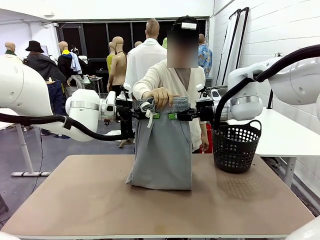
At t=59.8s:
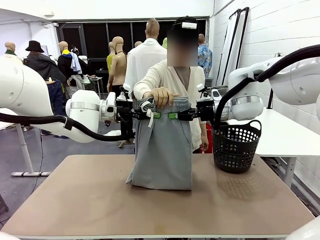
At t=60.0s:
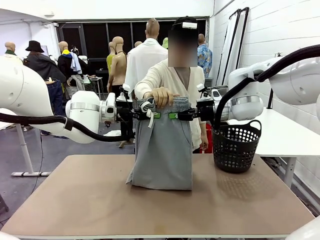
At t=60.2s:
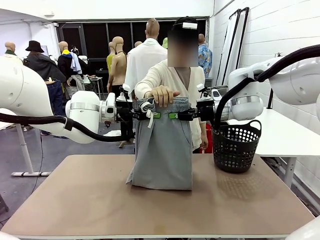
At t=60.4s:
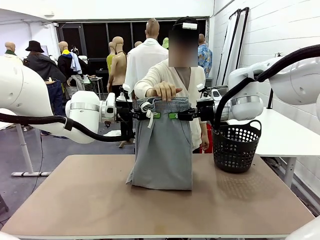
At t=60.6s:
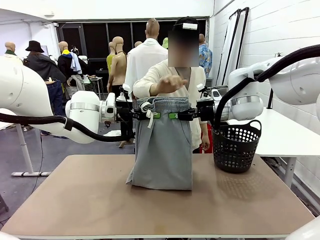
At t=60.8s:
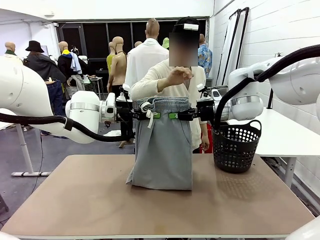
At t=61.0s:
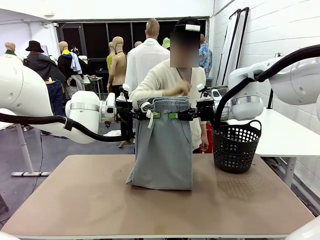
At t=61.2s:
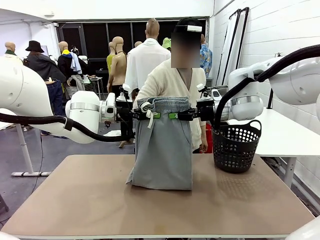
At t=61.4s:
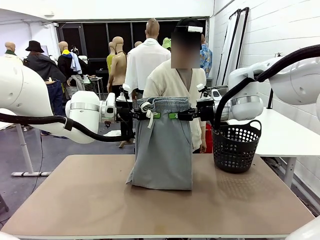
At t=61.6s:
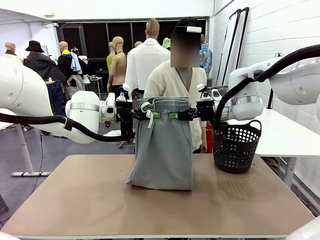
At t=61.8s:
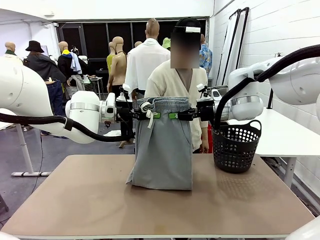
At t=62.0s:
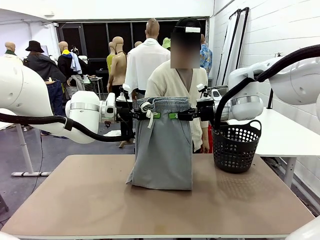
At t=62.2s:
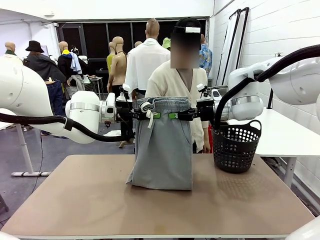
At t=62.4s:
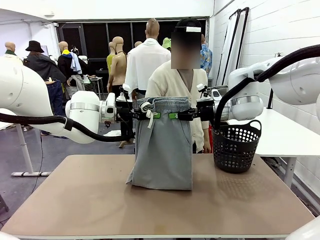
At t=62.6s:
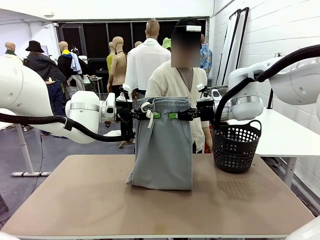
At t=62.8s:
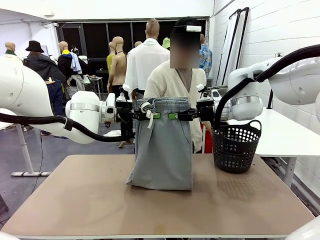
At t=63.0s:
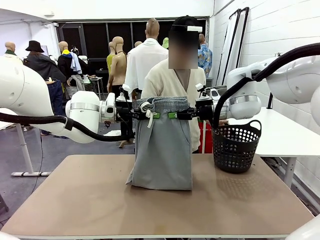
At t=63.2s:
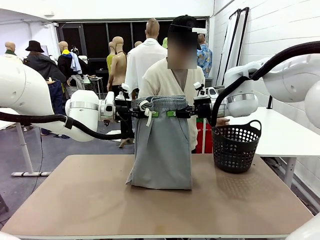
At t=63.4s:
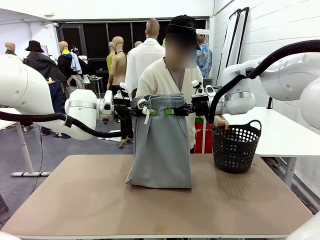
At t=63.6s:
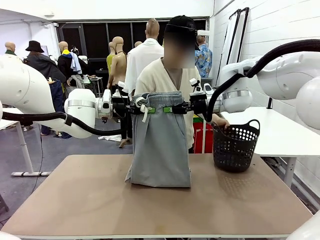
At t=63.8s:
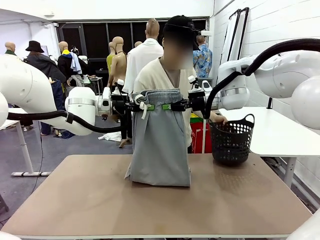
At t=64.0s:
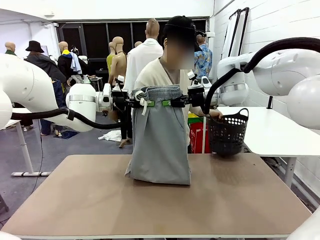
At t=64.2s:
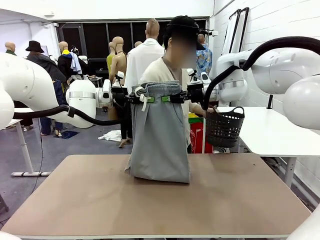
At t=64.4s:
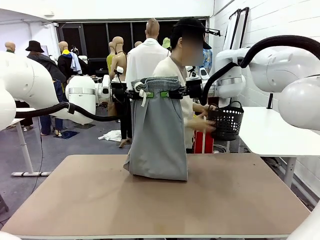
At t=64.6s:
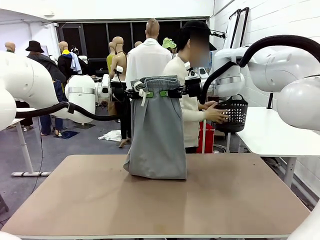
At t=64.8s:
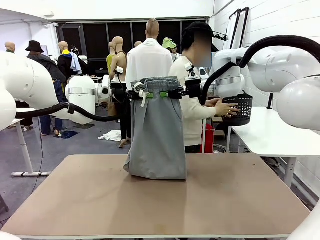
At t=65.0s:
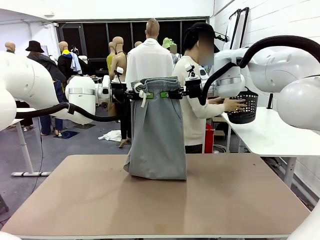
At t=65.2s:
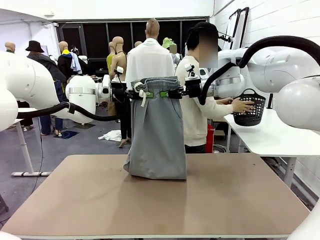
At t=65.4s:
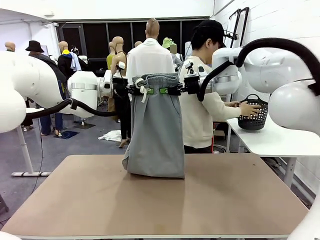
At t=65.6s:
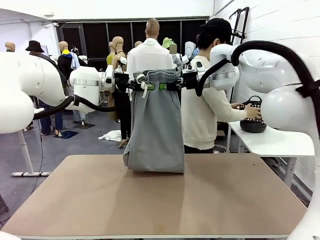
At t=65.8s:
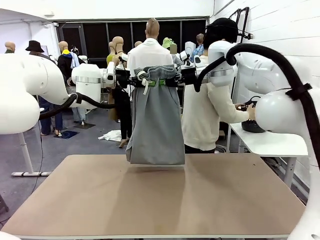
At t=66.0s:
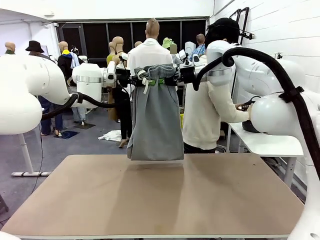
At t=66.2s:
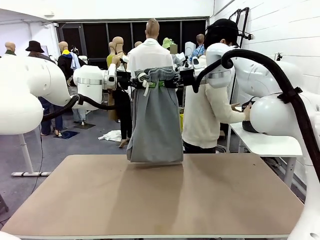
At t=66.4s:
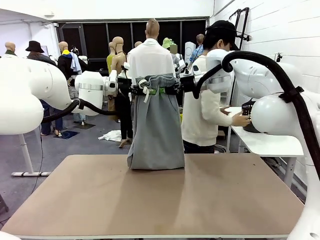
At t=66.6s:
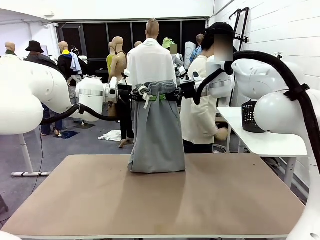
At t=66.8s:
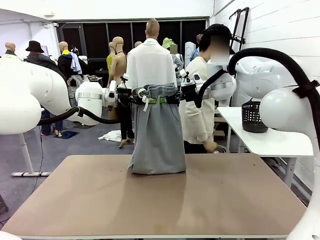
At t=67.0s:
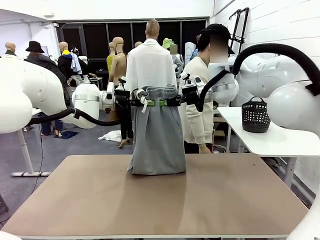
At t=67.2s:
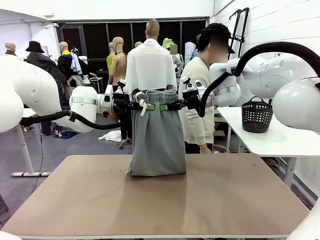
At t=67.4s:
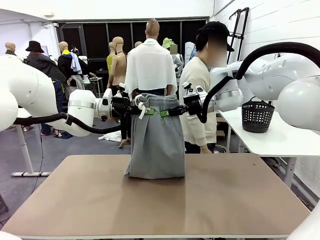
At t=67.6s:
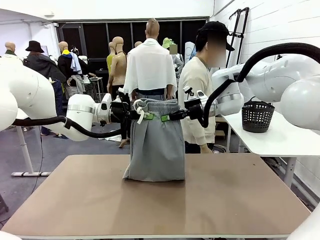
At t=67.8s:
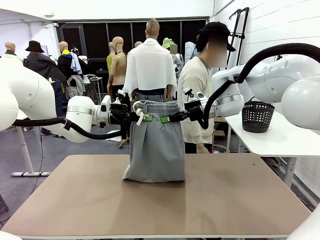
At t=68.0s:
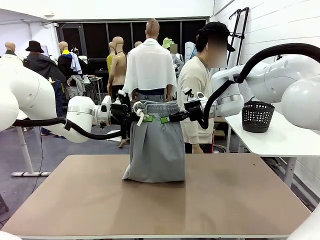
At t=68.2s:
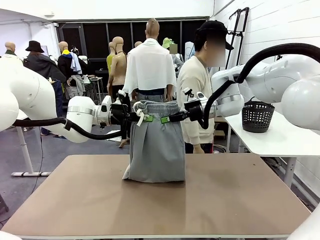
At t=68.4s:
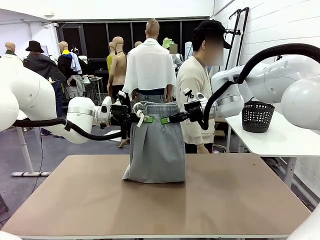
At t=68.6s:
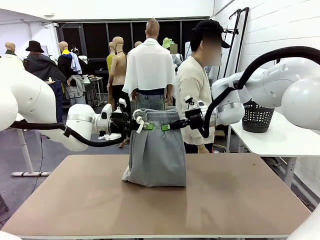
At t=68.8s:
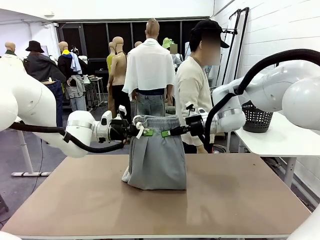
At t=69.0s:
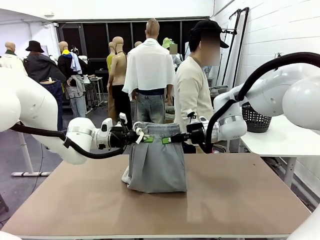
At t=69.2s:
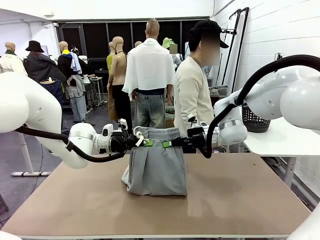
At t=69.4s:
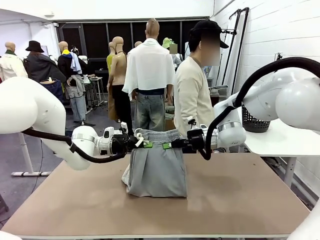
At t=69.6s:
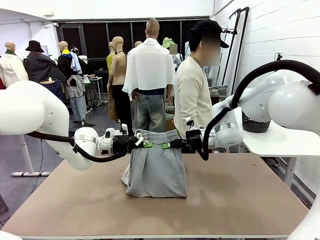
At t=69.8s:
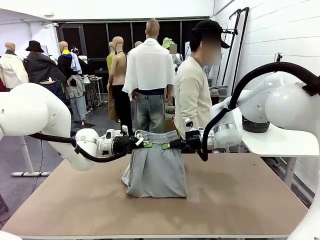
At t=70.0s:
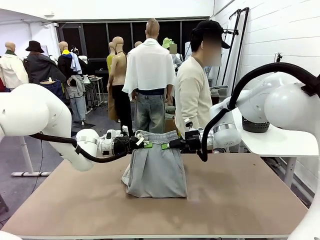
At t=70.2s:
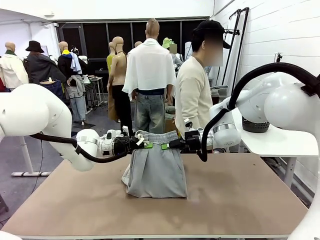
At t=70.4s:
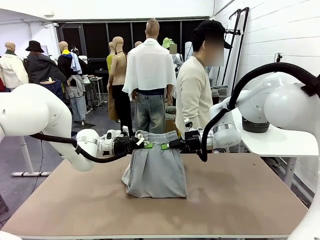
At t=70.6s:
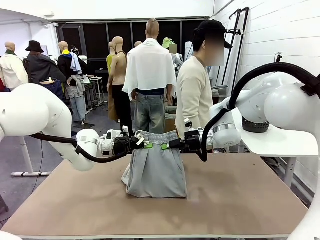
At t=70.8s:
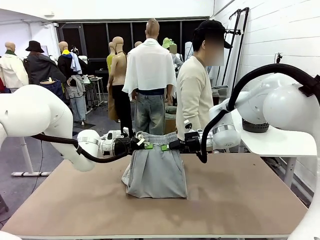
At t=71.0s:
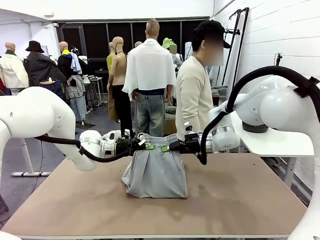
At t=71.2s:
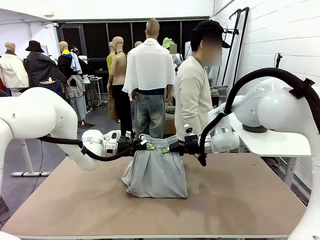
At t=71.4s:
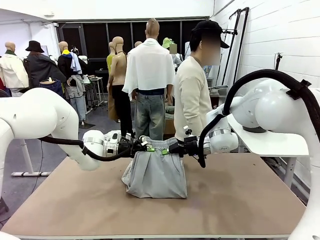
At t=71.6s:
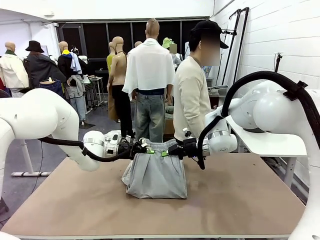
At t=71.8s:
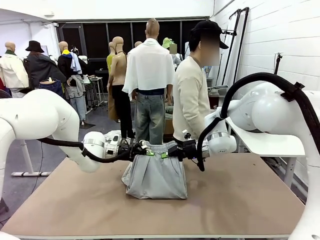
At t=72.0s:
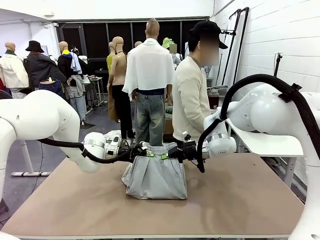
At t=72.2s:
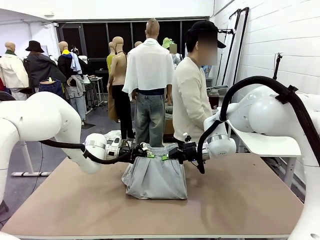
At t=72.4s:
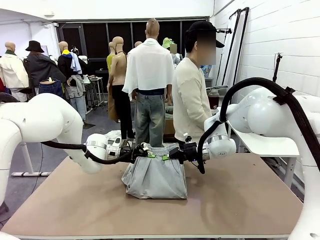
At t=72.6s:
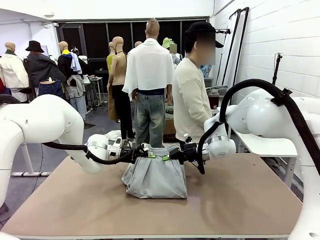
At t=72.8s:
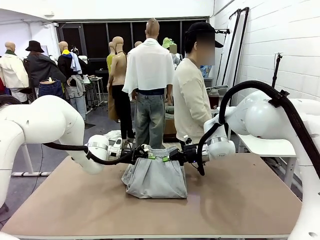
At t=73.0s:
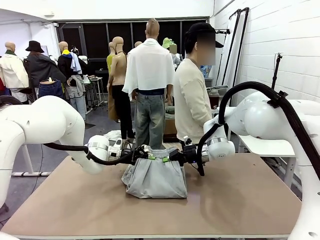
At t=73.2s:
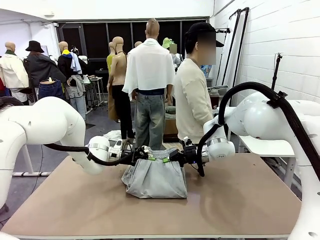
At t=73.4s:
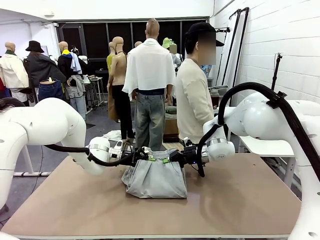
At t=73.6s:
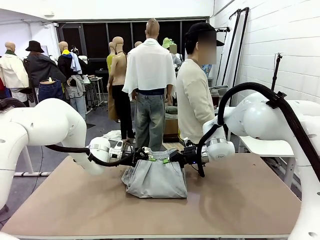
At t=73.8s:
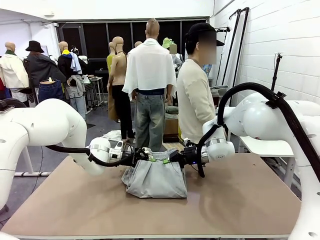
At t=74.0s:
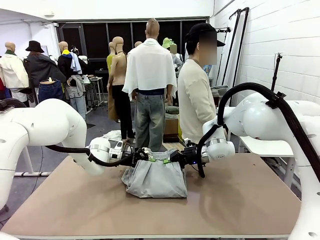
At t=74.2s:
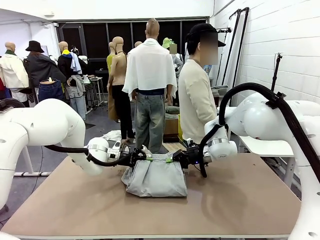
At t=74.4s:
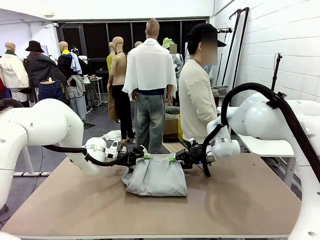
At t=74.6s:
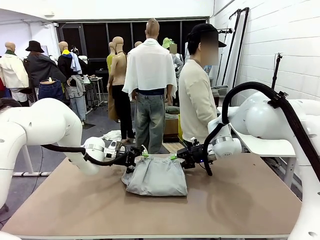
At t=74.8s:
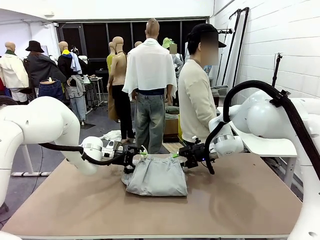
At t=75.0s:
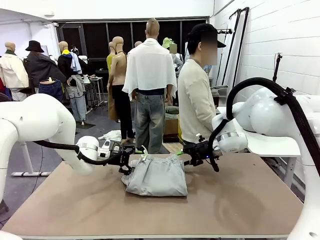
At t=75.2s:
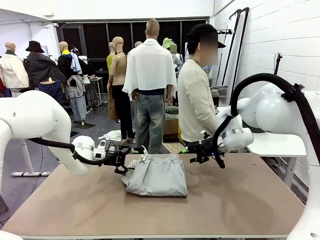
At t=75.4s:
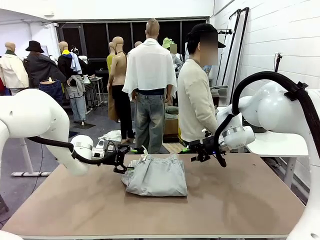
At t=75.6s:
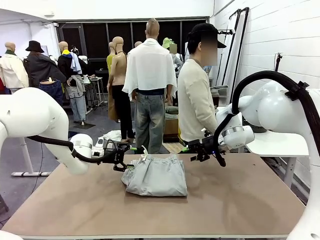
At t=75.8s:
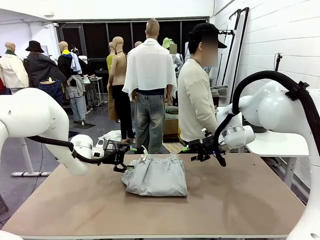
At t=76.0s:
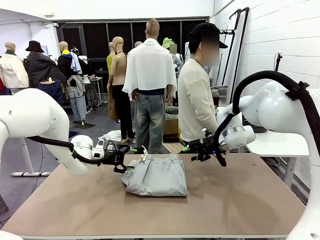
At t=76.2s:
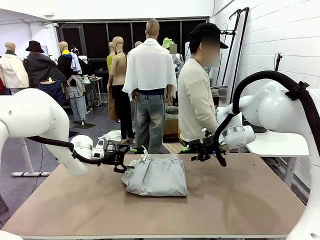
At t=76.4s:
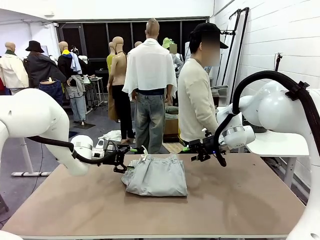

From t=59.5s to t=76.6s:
Task: Fold the training pants.
Robot: Fold the Training pants in half.
Person: Move the laundry basket to the right of the human table.

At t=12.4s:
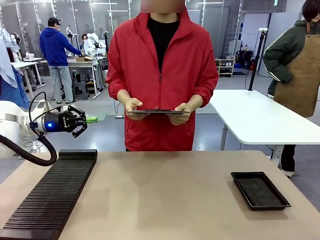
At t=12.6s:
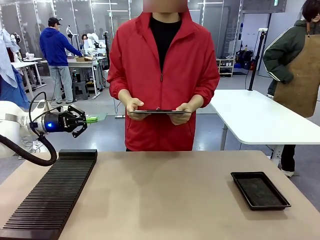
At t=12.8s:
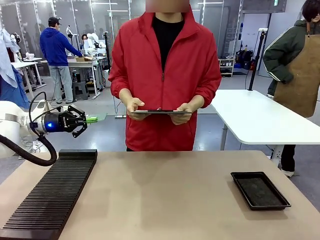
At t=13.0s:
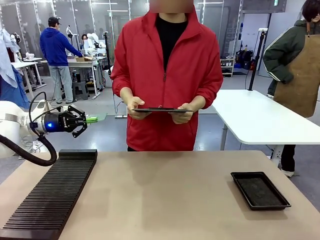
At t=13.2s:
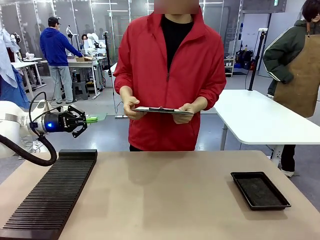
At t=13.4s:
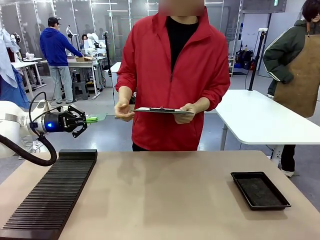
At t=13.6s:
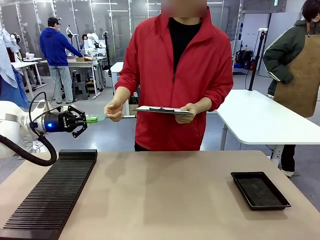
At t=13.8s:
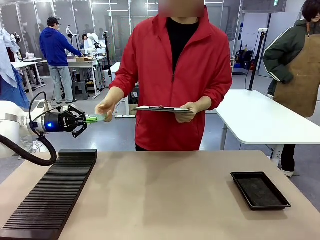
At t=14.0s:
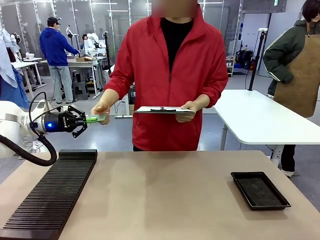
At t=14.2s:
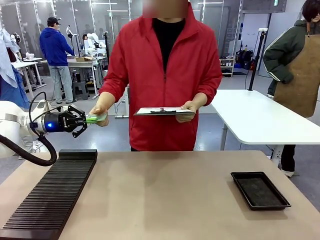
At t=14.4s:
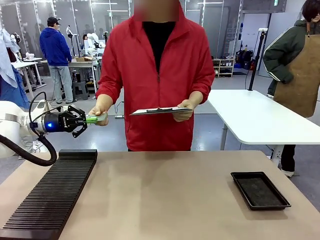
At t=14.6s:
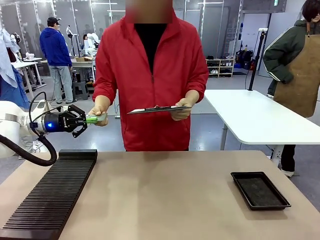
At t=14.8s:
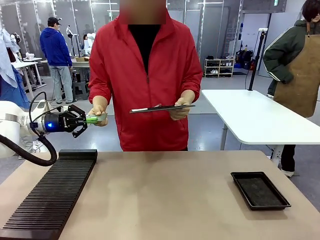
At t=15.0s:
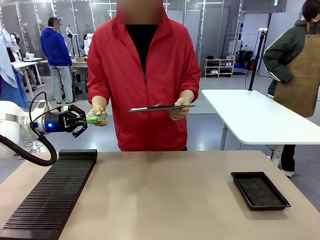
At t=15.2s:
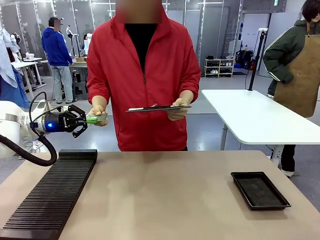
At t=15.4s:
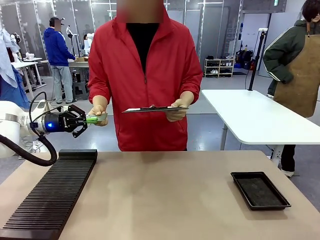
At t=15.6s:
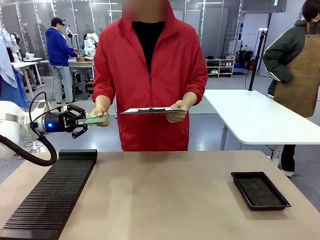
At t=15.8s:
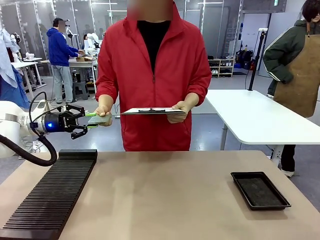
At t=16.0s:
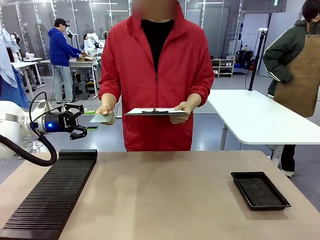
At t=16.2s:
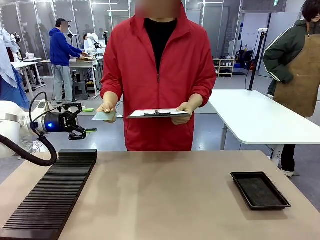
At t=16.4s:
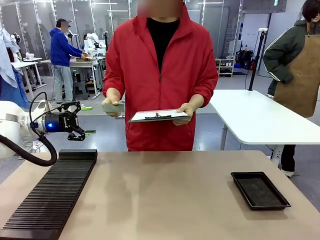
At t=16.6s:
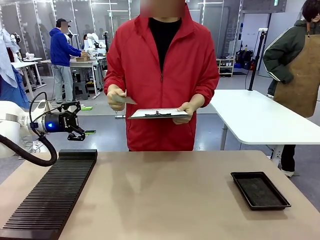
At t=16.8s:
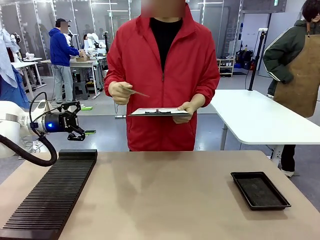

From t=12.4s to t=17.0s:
Task: Inspect the PCB.
Robot: Release the Blank PCB you were holding.
